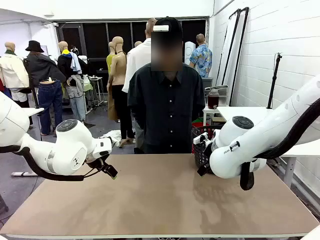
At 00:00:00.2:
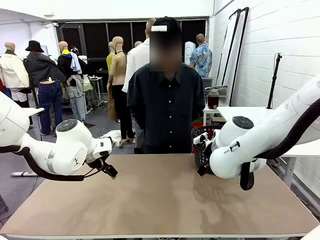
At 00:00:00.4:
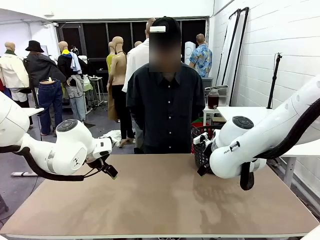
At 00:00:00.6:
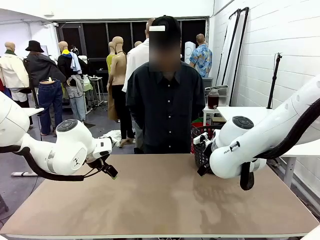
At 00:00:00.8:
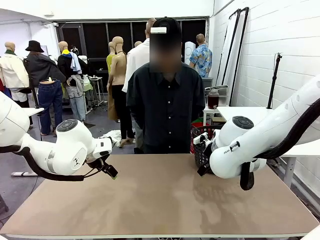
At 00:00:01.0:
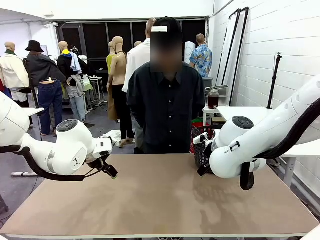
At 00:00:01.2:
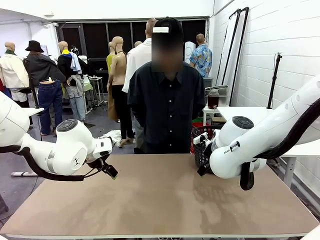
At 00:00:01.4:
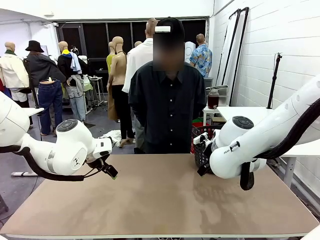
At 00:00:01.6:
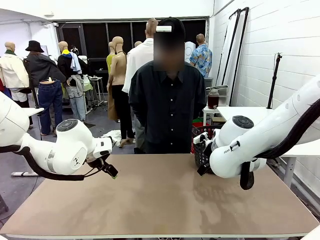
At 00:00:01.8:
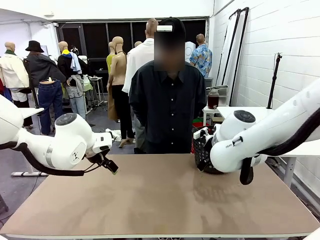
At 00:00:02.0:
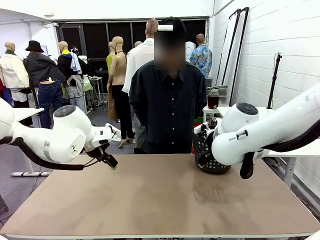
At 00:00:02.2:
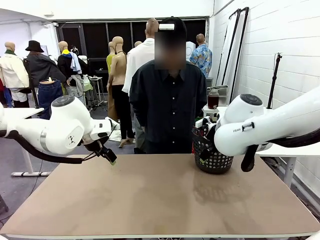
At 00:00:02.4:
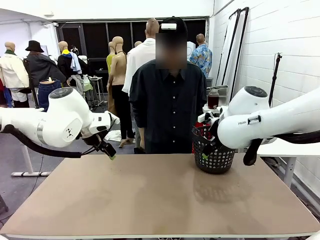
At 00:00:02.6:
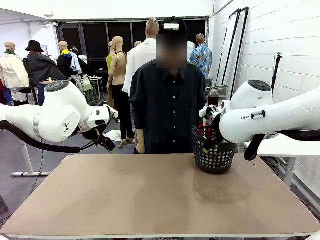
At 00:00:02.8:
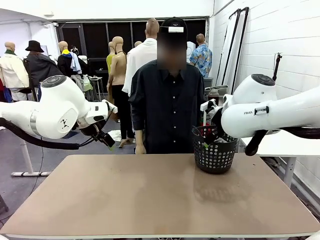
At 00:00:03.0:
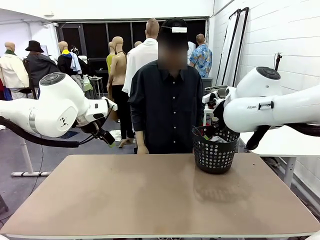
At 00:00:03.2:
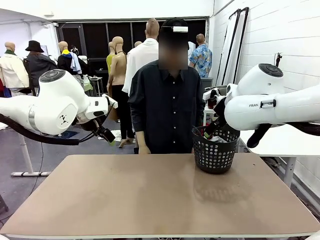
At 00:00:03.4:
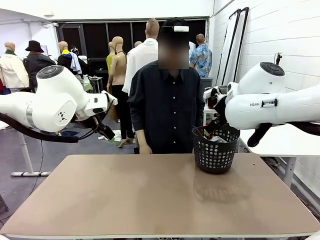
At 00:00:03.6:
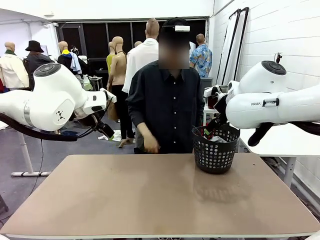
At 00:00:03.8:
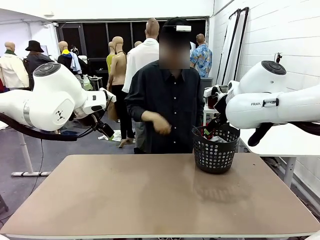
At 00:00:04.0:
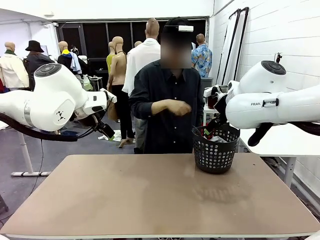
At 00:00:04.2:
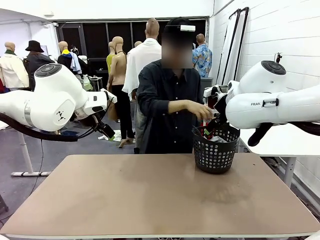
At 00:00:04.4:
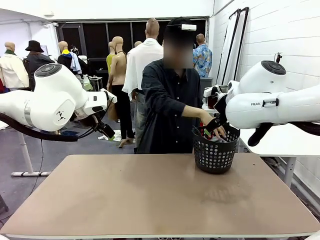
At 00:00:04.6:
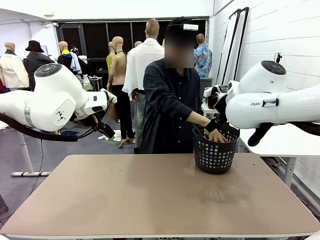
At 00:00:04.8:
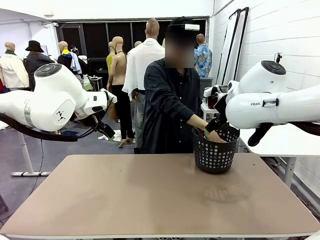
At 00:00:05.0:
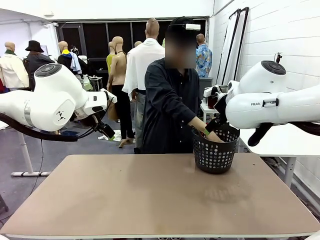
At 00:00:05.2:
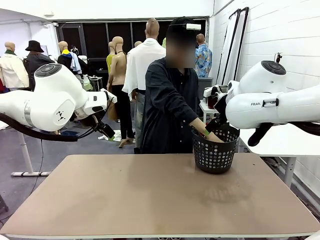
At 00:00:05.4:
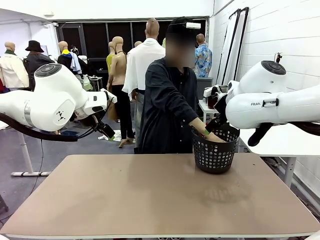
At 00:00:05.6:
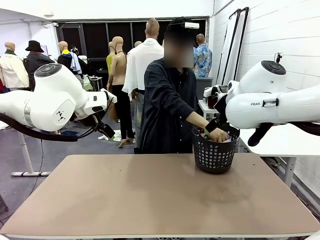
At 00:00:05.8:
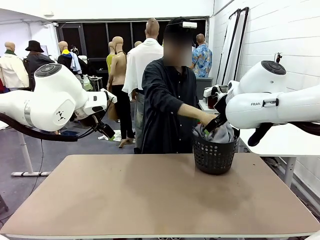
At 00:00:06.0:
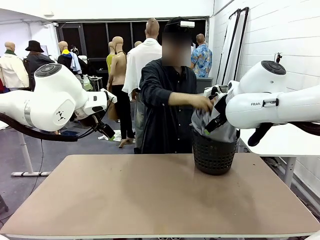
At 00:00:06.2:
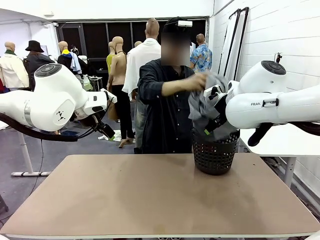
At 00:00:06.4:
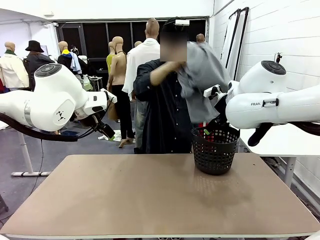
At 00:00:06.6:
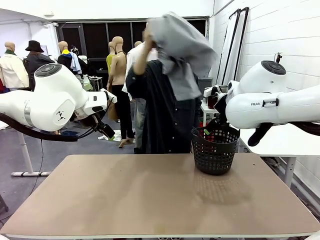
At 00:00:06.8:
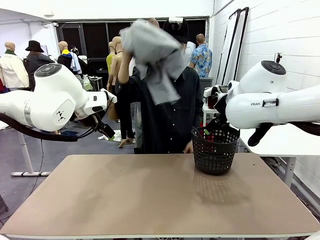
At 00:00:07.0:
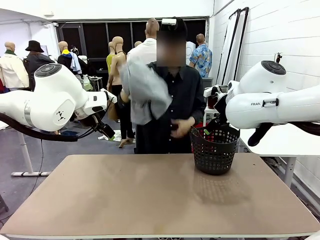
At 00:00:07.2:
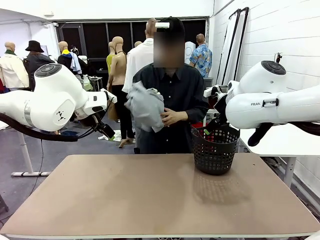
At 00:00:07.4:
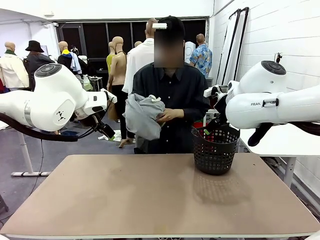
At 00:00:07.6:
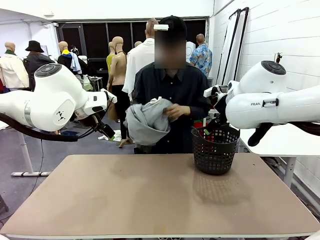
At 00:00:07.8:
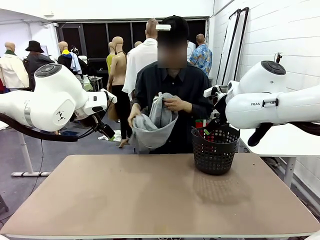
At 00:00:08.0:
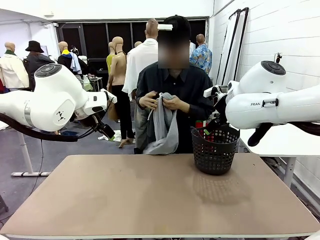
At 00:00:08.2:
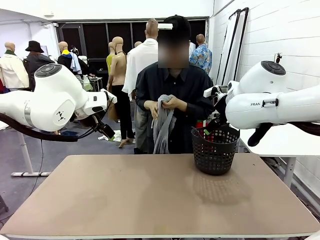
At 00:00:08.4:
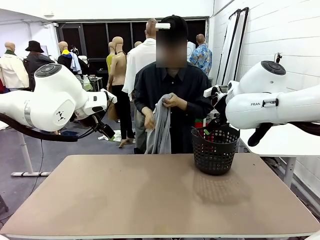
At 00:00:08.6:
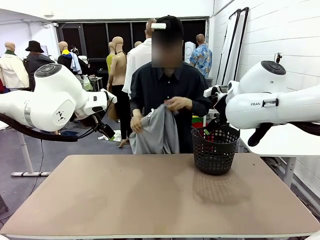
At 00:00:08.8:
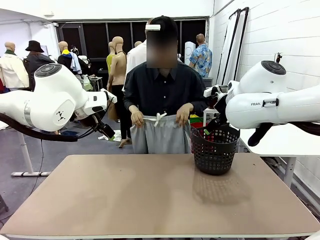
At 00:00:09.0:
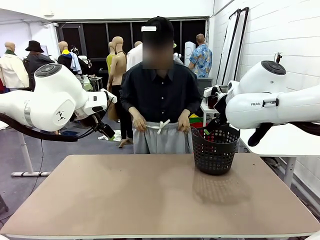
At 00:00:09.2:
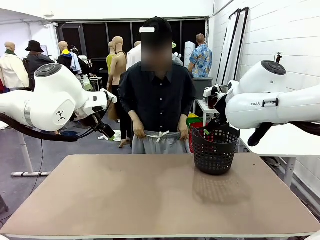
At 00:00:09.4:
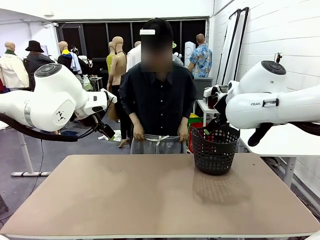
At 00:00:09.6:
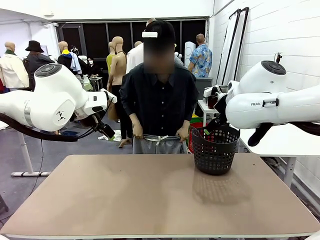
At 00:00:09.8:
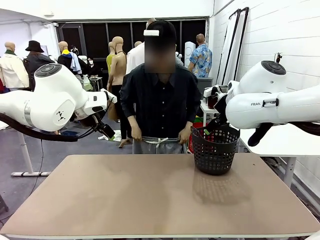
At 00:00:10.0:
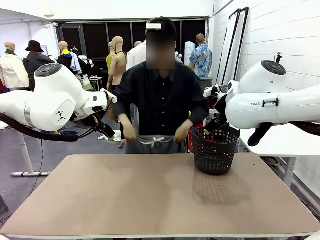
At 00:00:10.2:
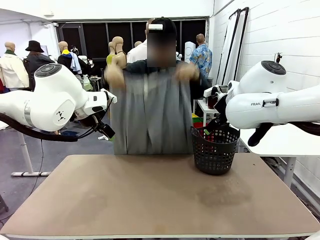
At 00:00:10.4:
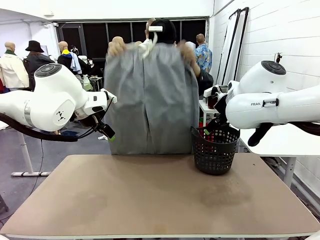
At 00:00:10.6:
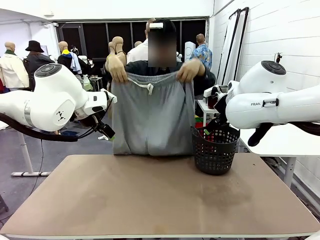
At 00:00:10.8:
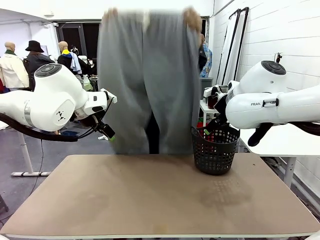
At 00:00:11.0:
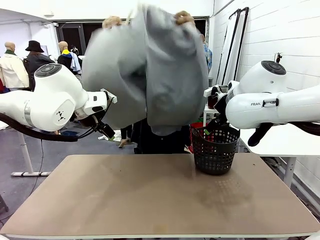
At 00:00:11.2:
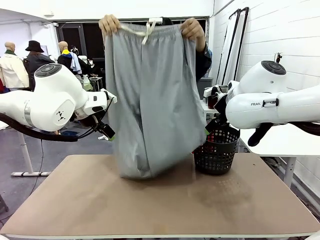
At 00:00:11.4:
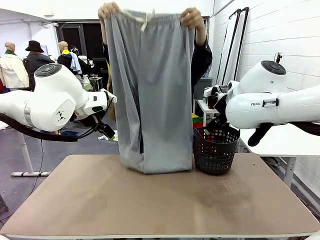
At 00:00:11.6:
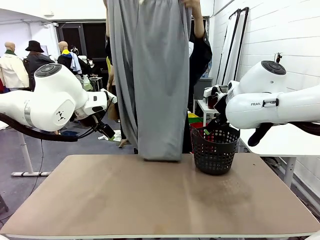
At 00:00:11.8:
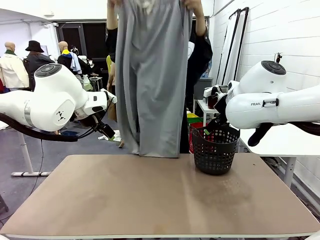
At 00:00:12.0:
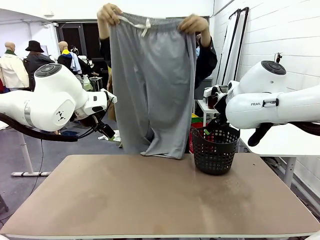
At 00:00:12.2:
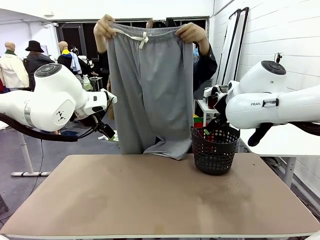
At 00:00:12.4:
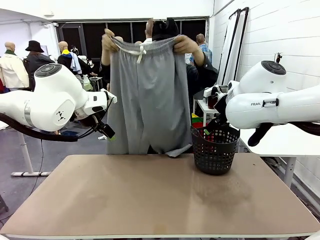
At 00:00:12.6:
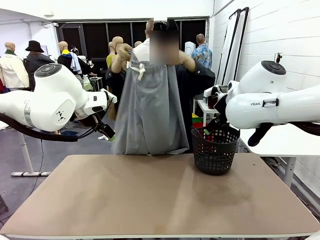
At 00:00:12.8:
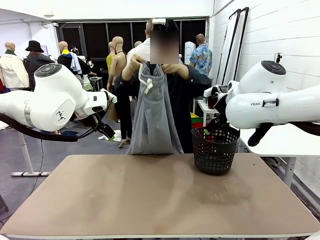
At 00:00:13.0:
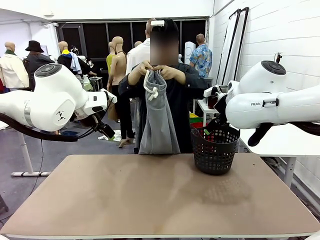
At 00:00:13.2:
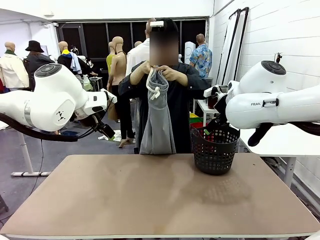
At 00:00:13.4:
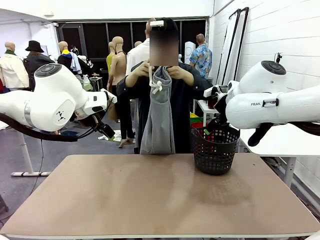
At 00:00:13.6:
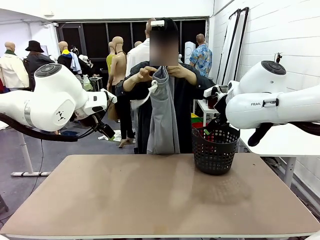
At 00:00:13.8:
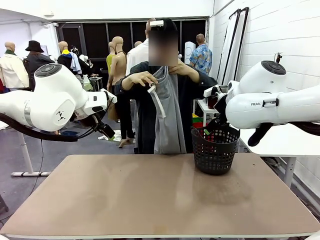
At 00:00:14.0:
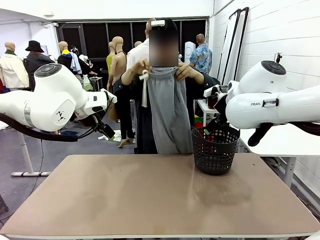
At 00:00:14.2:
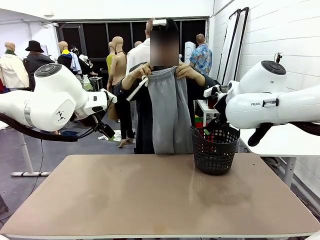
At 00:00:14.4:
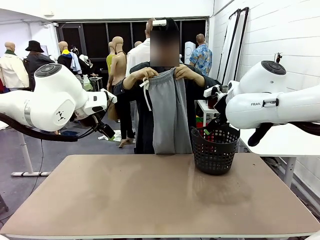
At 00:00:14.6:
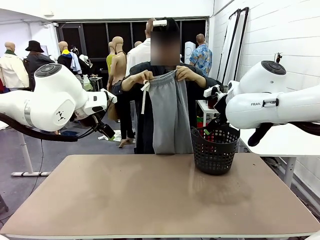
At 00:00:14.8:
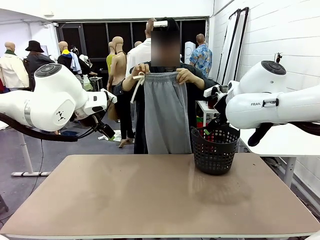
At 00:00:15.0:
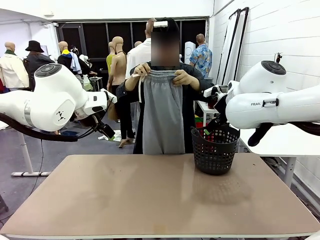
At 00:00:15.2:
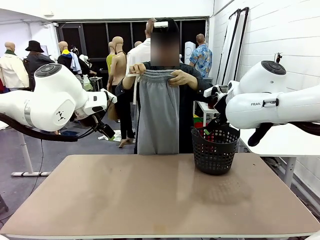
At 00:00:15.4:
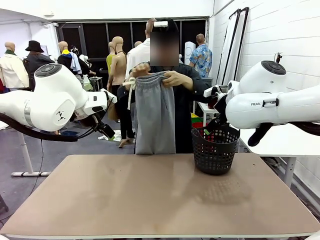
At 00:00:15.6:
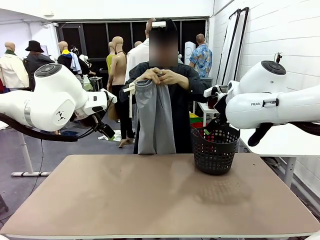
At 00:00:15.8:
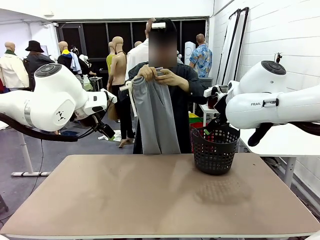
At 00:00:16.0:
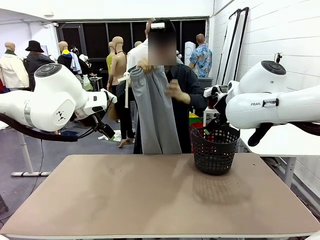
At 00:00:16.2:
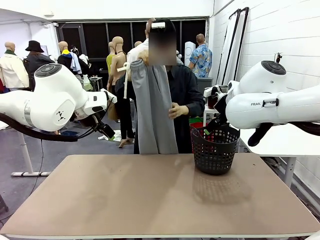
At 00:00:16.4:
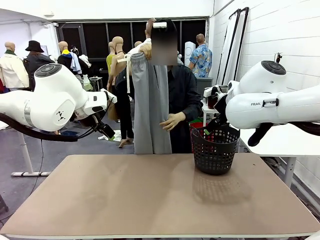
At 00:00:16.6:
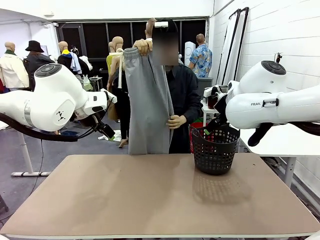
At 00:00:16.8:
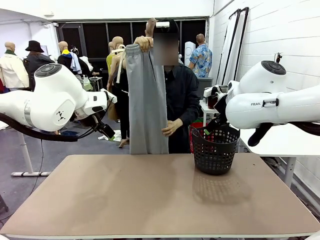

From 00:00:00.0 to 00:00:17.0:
Task: Fold the training pants.
Robot: Grab both ends of the Training pants handed by a person.
Person: Take the long pants out of the laundry basket, unfold them, fold the waist in half, and extend them so the robot can pick up both corners.
